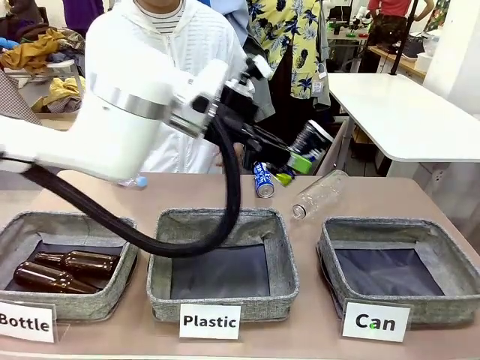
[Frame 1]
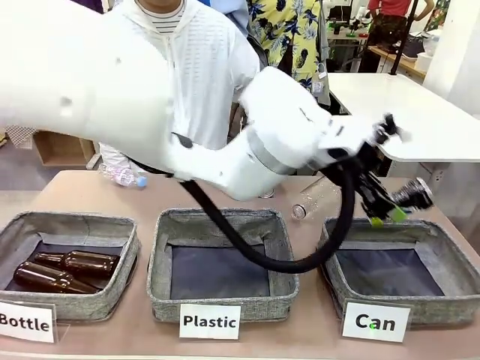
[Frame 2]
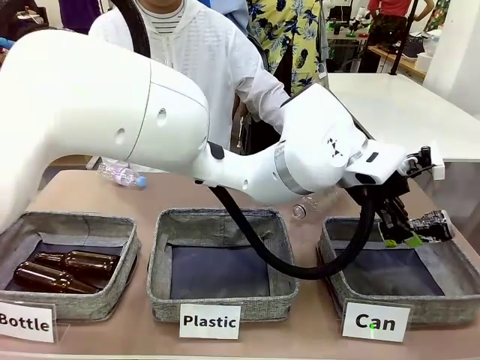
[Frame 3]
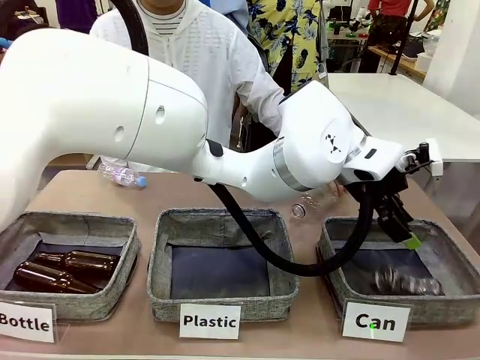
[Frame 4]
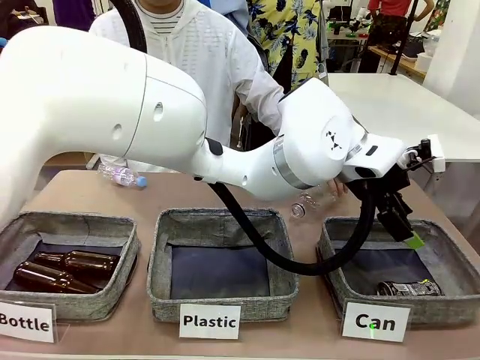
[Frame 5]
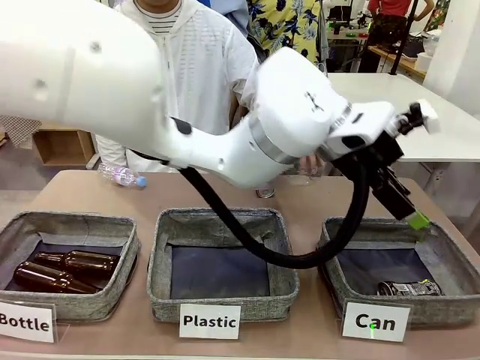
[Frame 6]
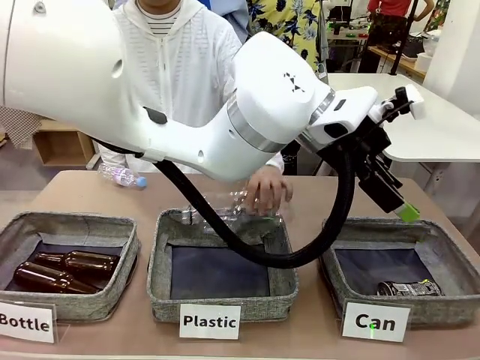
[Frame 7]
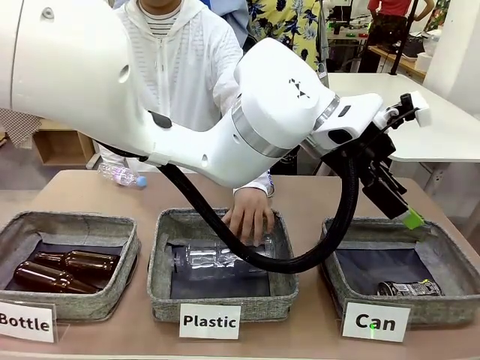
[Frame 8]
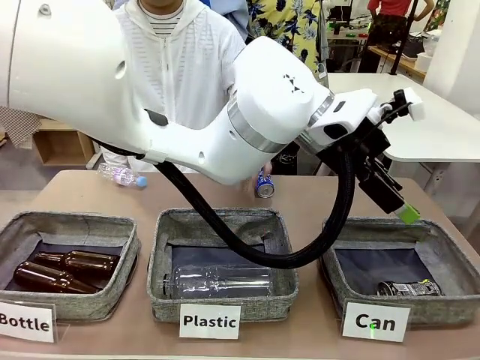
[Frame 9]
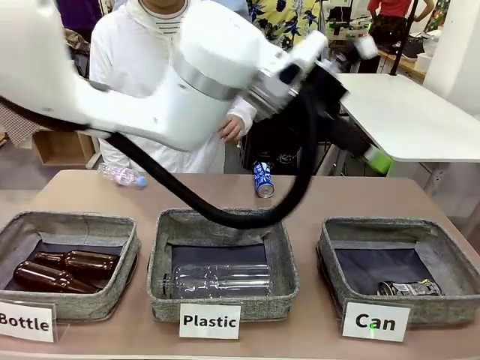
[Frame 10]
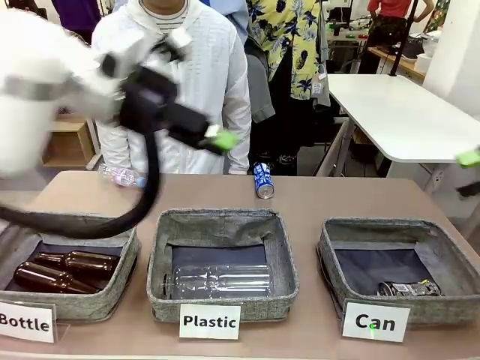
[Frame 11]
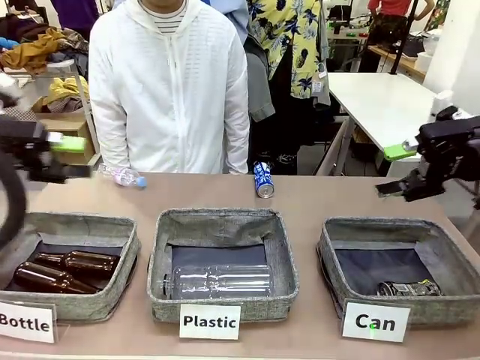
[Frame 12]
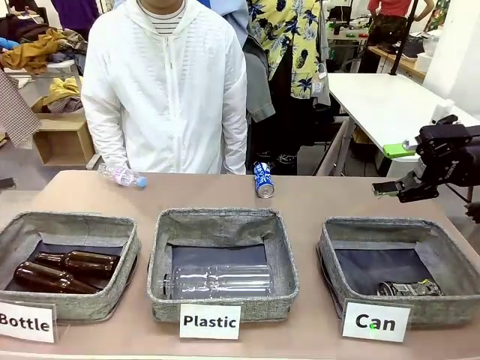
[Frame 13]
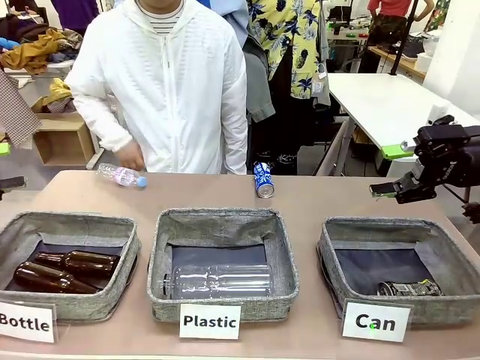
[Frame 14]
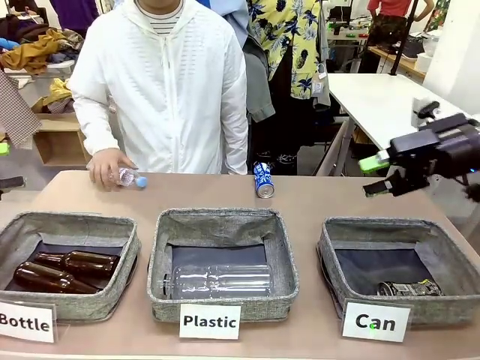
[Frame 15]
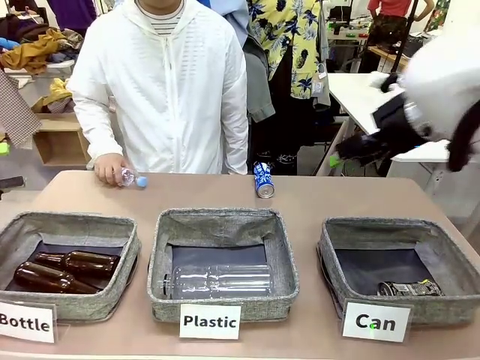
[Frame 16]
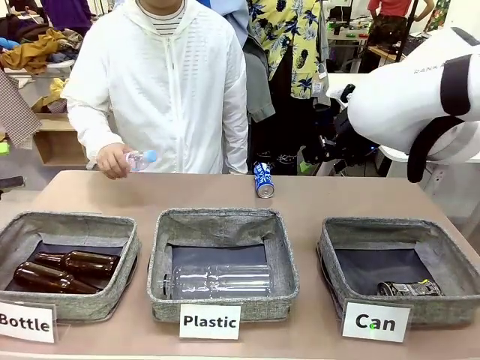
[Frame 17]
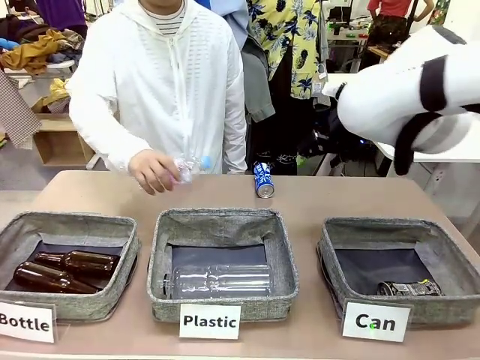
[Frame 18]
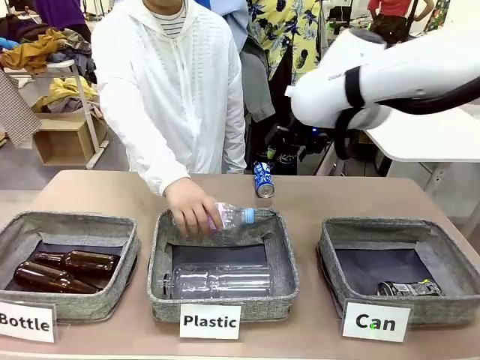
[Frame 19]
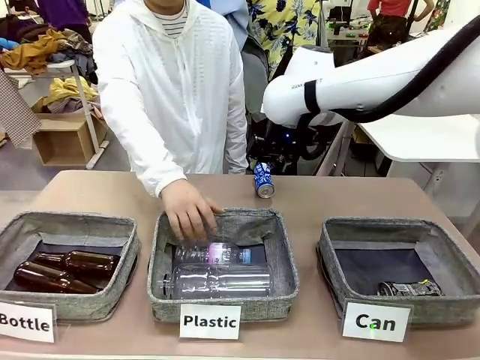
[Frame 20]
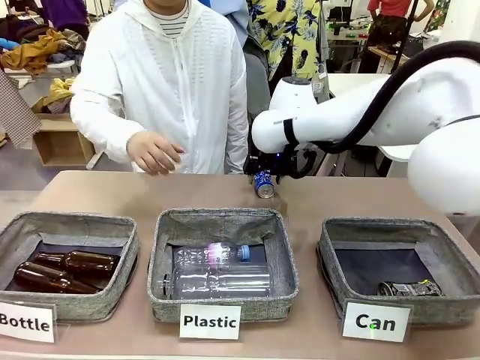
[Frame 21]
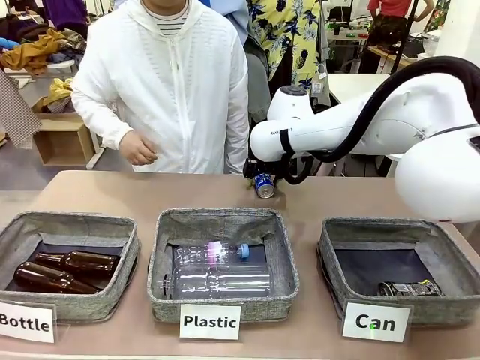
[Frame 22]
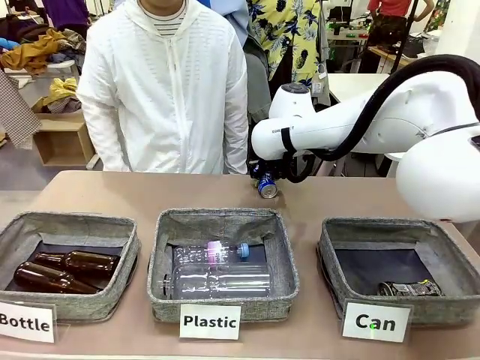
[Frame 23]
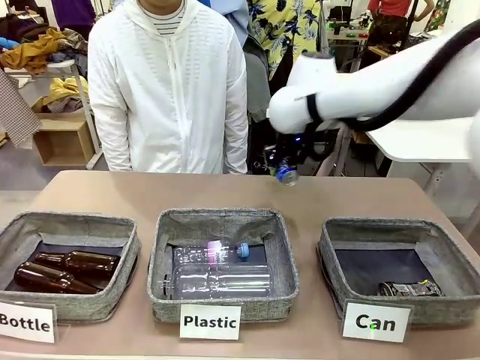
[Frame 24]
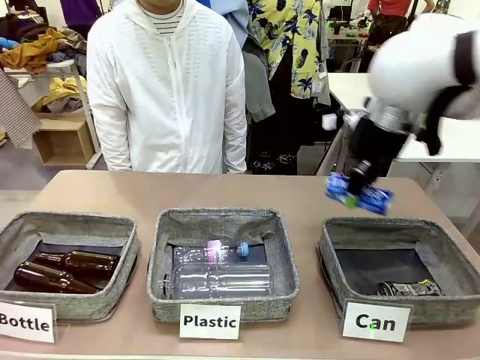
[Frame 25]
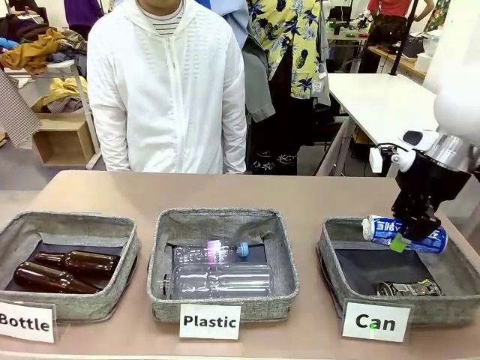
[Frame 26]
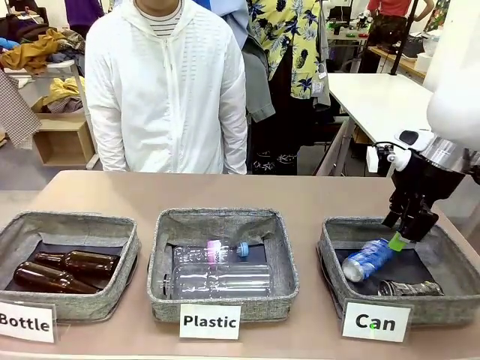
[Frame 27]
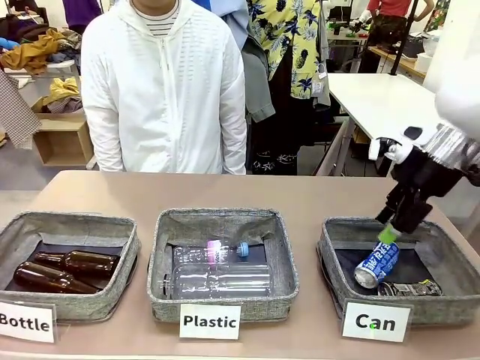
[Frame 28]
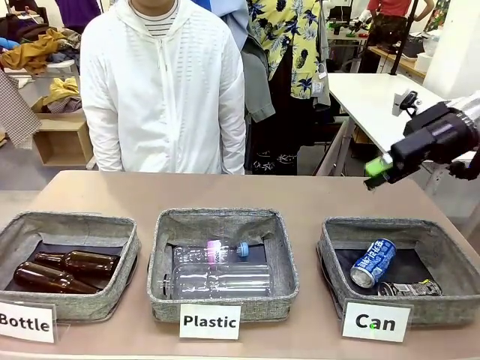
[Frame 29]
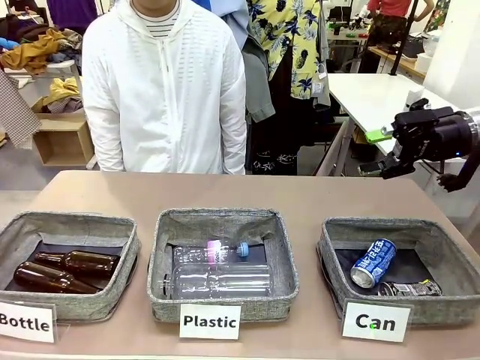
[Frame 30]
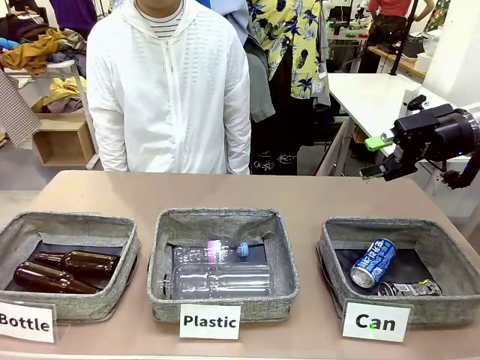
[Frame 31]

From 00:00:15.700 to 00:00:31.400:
Task: Sort the can waste into the basket.
Robot: Pick up the can waste from the table and place it in the right Fabric basket.

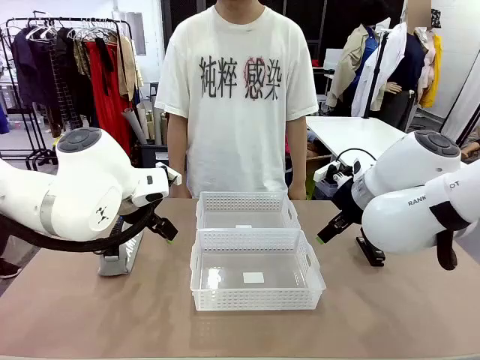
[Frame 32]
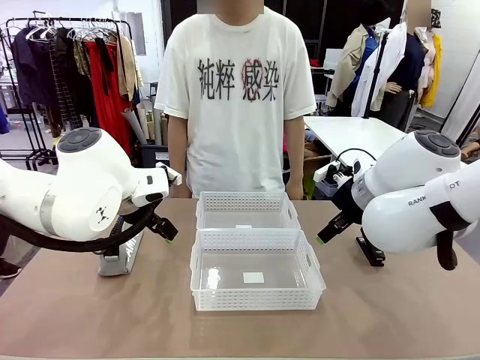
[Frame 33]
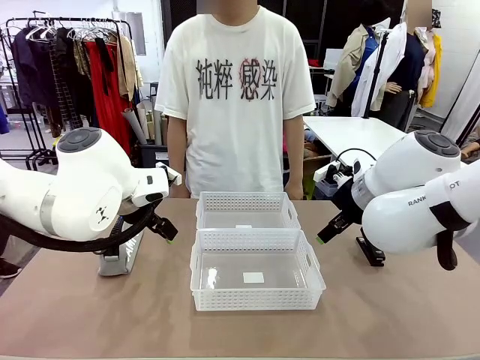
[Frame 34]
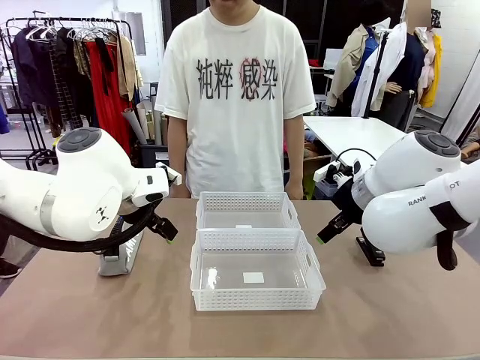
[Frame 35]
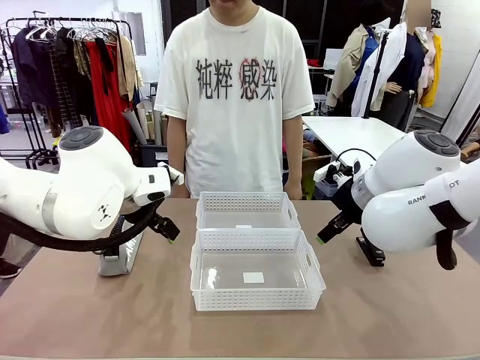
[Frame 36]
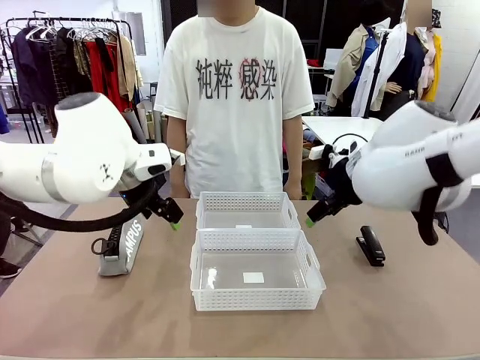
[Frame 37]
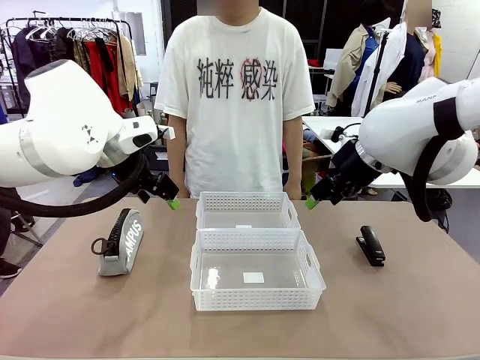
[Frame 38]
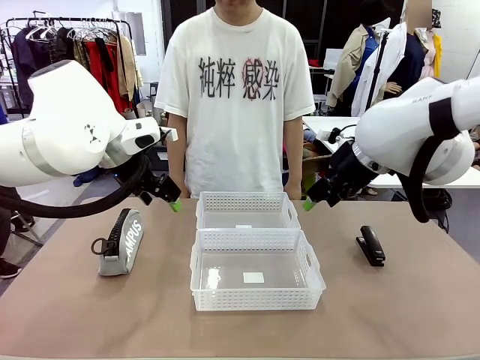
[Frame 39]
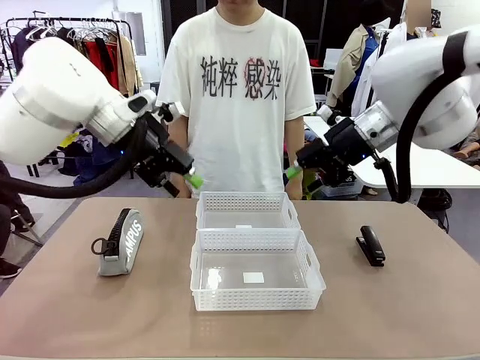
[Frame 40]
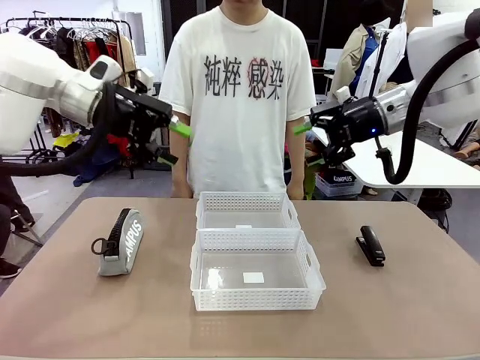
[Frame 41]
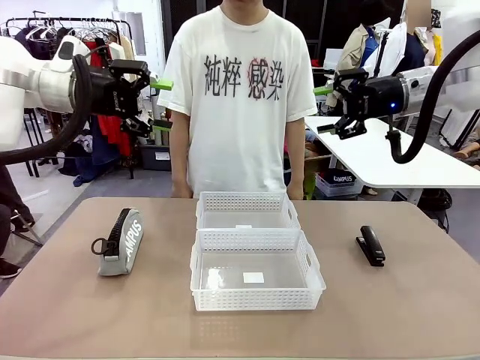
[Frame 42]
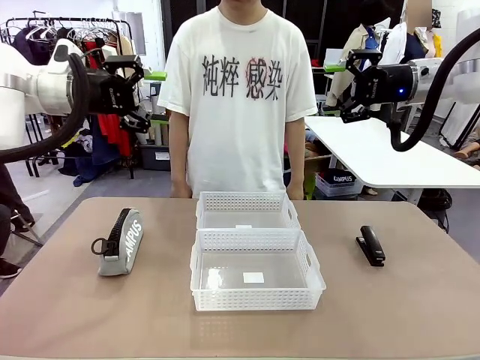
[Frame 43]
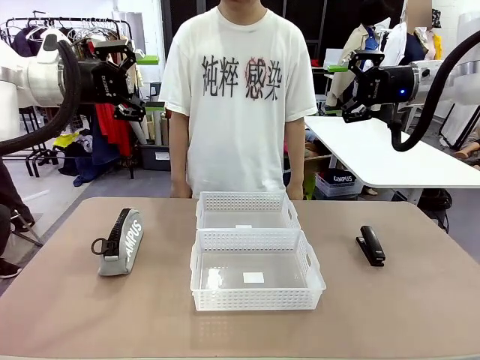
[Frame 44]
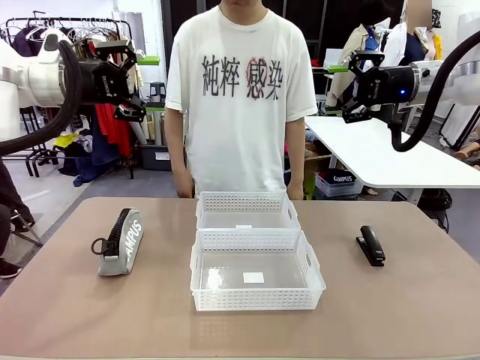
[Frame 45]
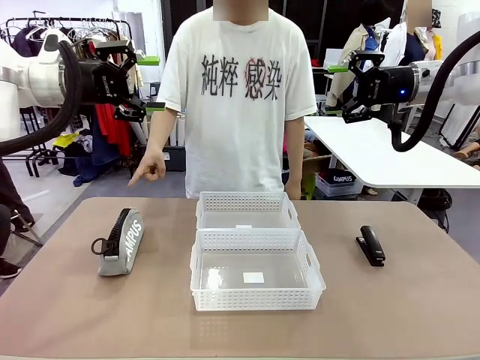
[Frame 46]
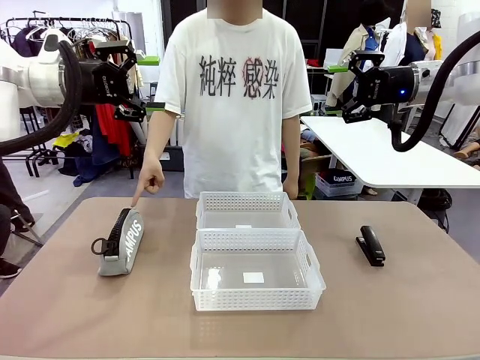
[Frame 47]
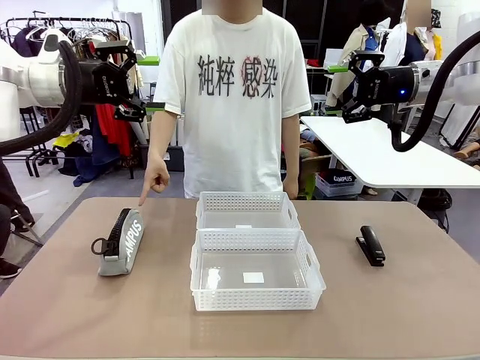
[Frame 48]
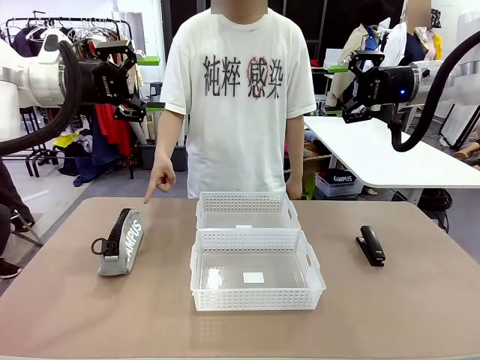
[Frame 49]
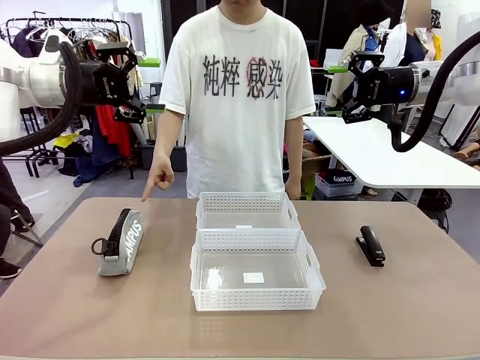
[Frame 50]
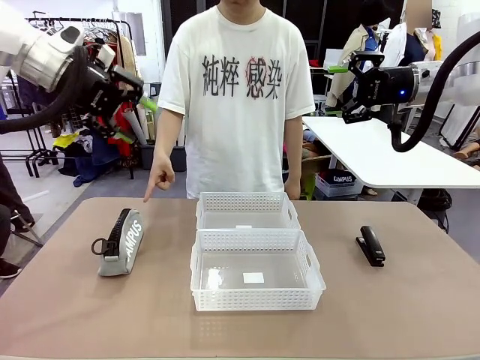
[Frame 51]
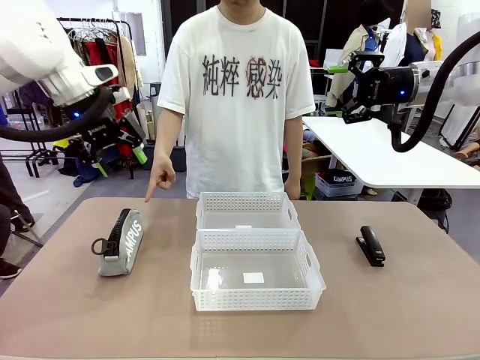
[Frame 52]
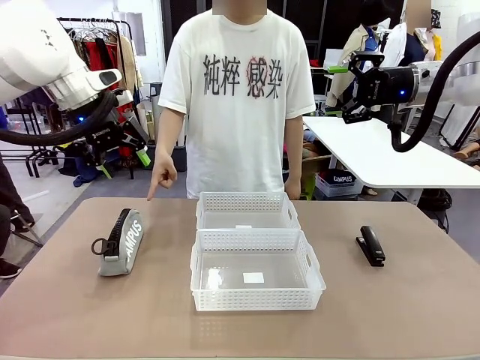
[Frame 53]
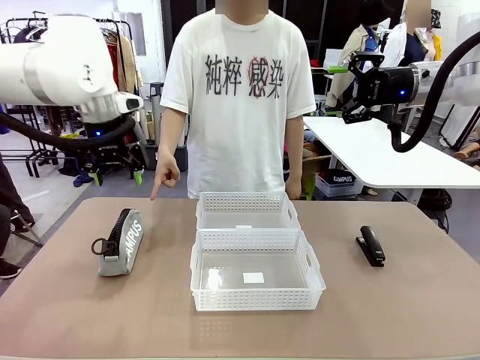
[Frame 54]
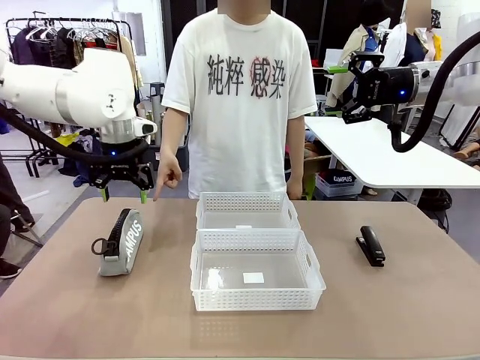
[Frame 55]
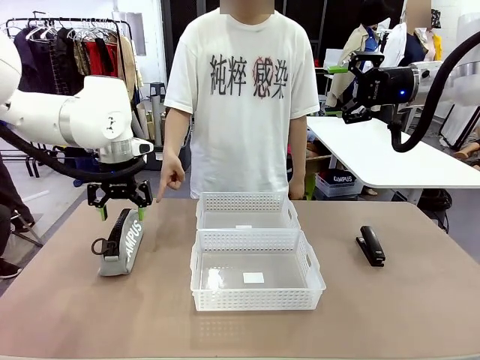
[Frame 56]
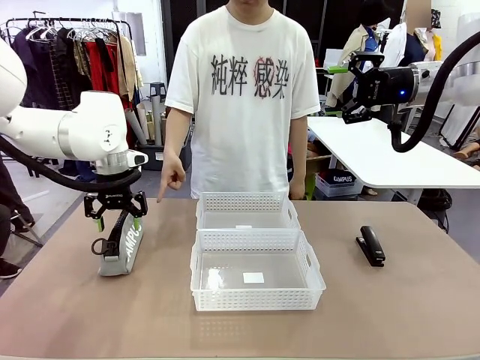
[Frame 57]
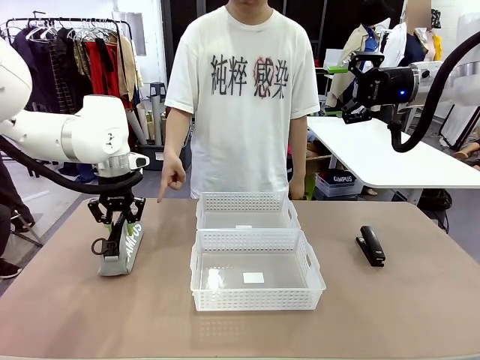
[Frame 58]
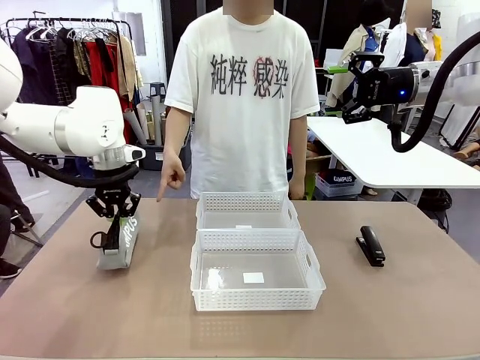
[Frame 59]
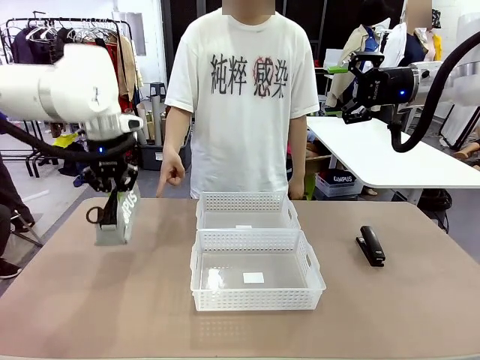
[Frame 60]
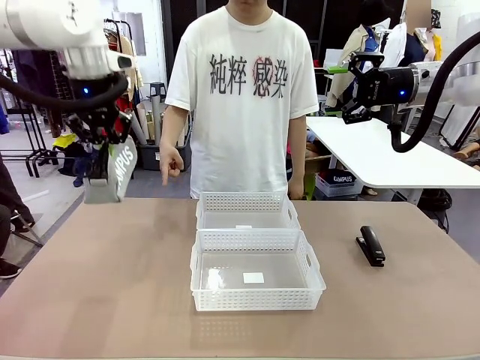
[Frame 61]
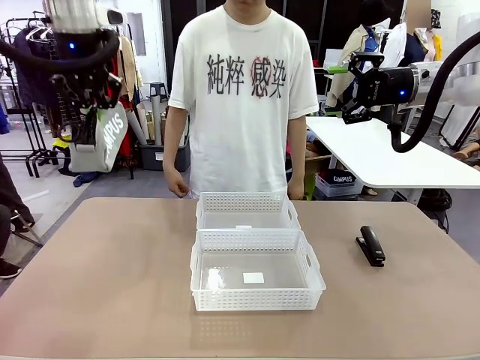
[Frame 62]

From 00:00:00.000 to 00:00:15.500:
Task: Distribute items into two baskets.
Robot: Pick up the Pencil pouch that the person points to.
Person: Points to the pencil case. Points between the two organizing baskets and instructs the robot to move the pencil case.
